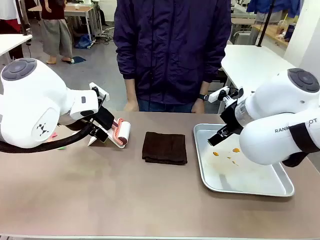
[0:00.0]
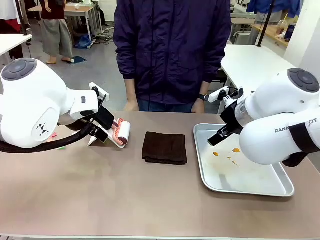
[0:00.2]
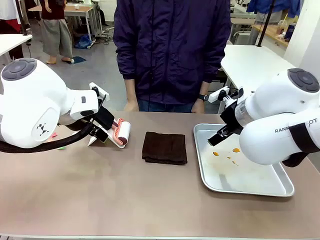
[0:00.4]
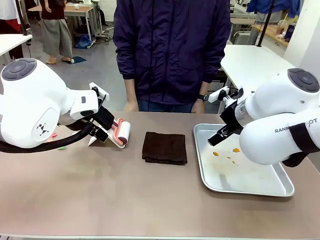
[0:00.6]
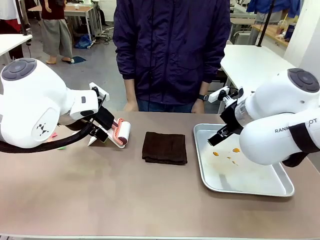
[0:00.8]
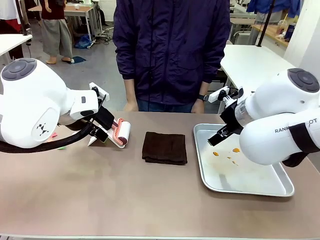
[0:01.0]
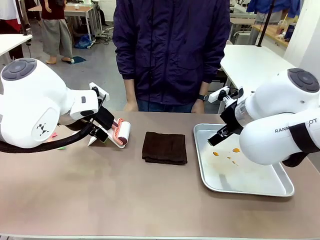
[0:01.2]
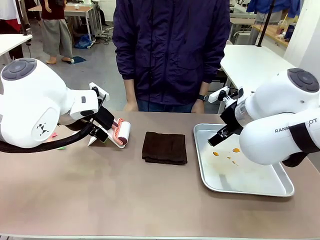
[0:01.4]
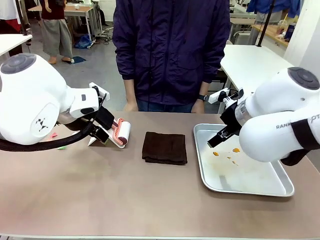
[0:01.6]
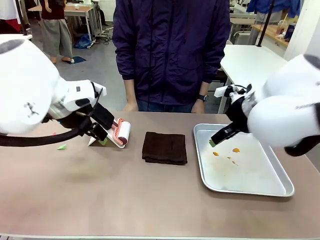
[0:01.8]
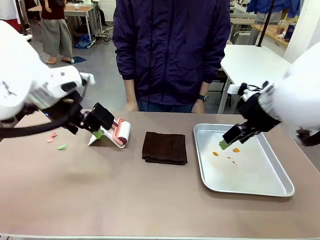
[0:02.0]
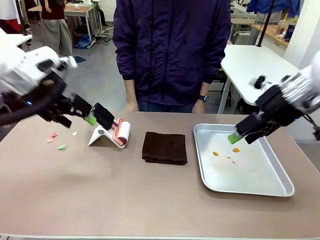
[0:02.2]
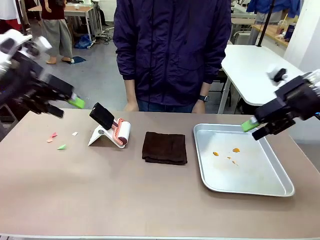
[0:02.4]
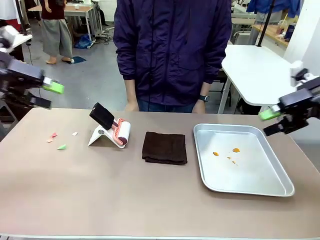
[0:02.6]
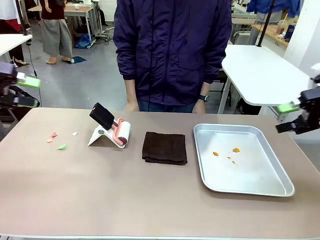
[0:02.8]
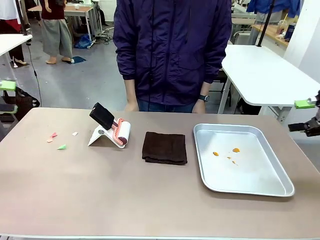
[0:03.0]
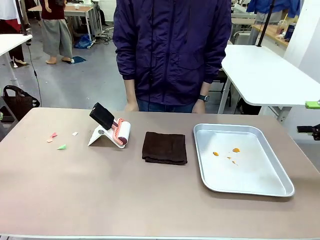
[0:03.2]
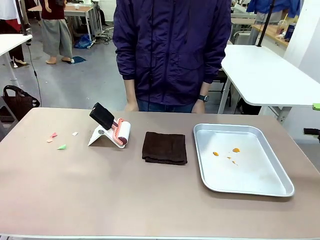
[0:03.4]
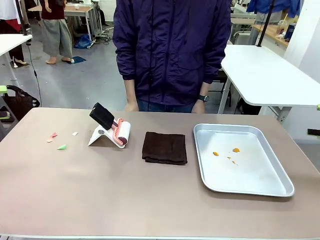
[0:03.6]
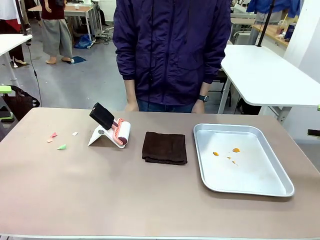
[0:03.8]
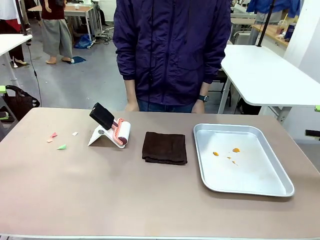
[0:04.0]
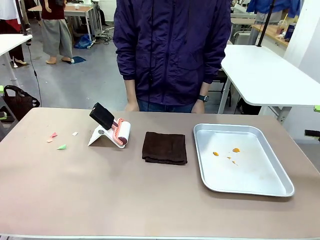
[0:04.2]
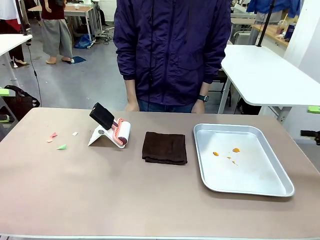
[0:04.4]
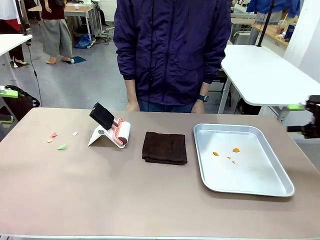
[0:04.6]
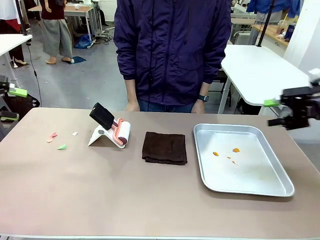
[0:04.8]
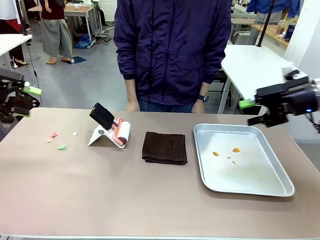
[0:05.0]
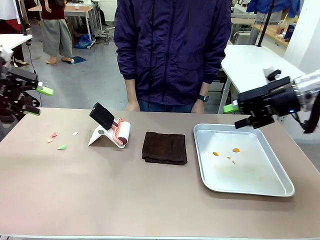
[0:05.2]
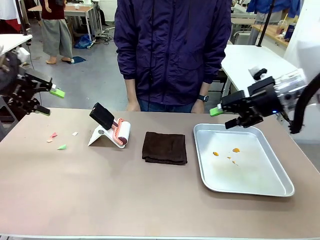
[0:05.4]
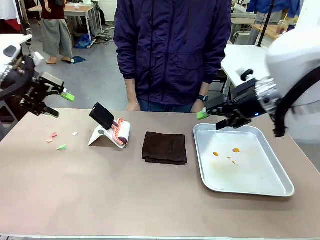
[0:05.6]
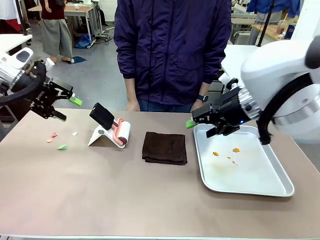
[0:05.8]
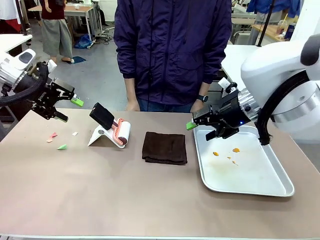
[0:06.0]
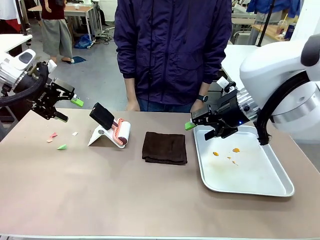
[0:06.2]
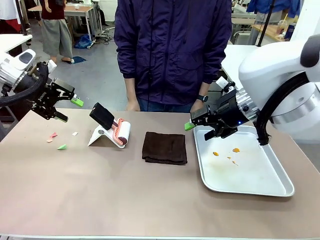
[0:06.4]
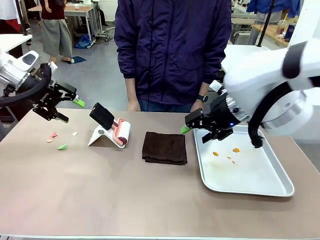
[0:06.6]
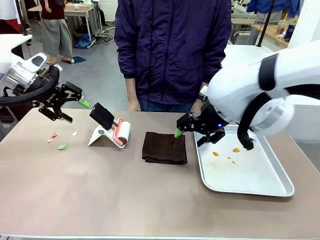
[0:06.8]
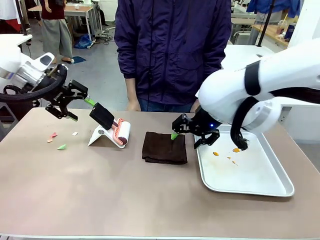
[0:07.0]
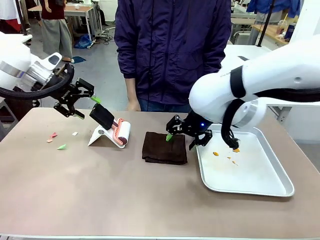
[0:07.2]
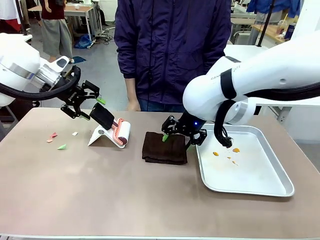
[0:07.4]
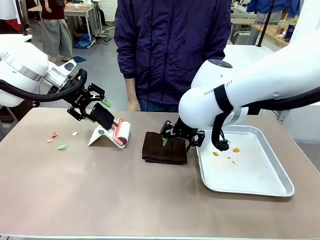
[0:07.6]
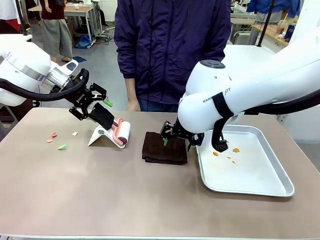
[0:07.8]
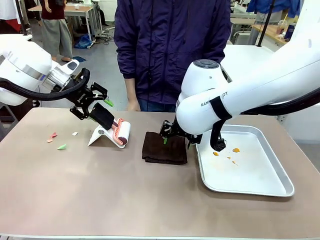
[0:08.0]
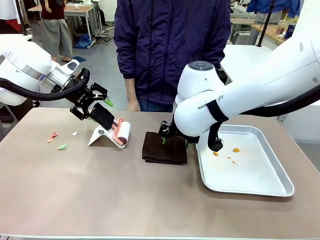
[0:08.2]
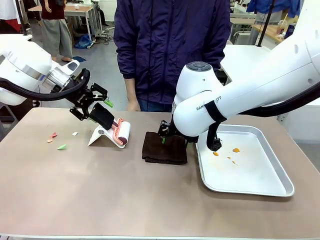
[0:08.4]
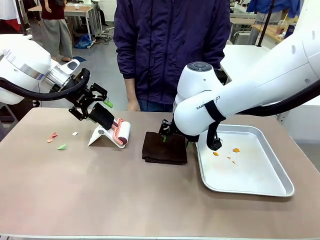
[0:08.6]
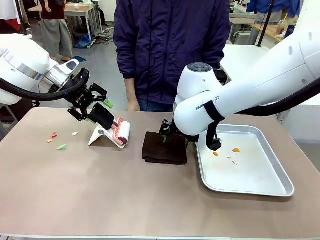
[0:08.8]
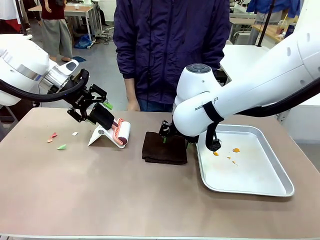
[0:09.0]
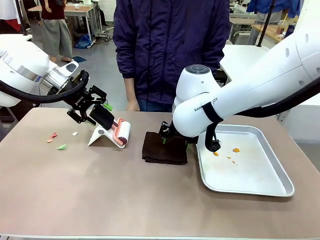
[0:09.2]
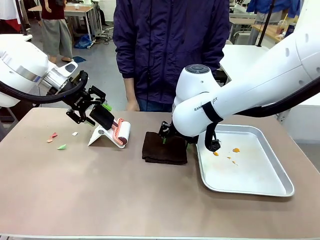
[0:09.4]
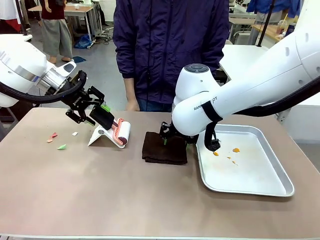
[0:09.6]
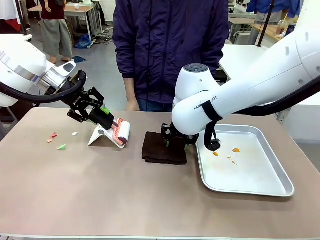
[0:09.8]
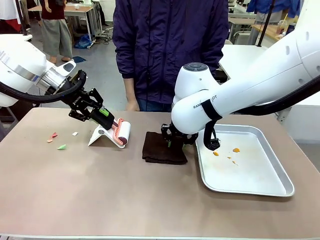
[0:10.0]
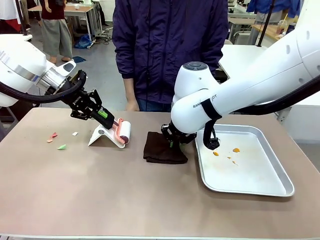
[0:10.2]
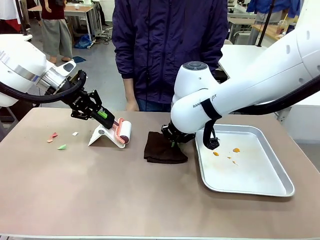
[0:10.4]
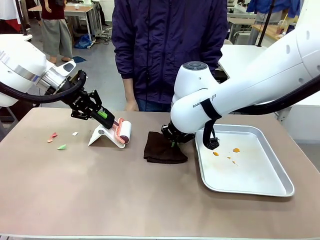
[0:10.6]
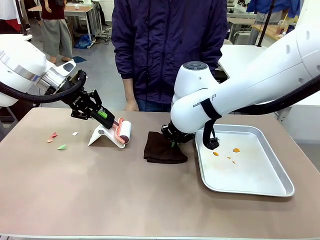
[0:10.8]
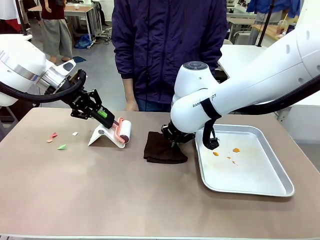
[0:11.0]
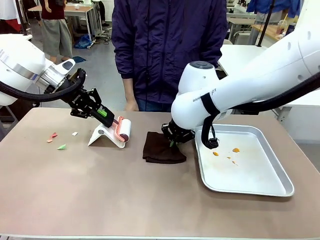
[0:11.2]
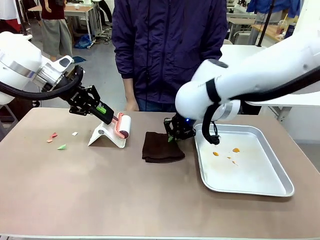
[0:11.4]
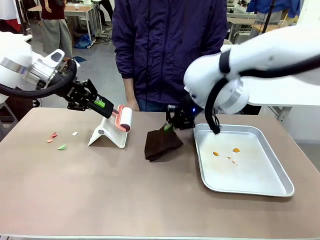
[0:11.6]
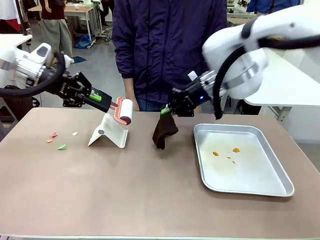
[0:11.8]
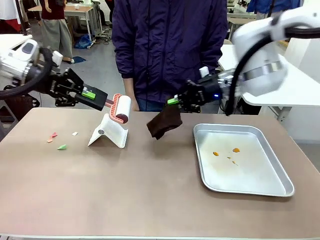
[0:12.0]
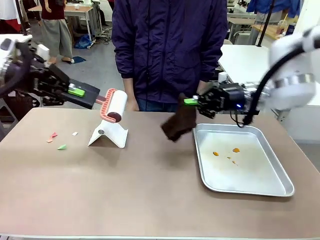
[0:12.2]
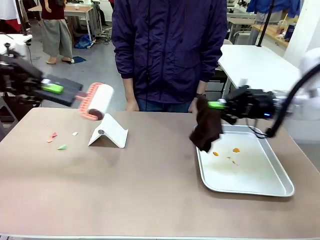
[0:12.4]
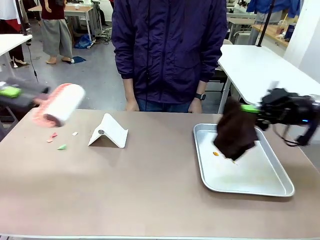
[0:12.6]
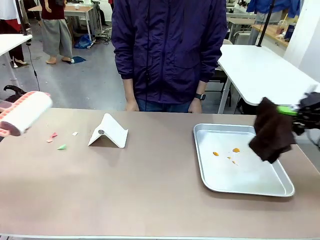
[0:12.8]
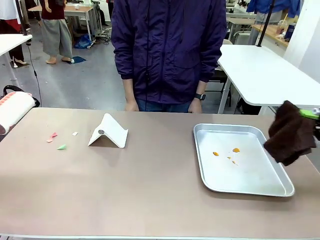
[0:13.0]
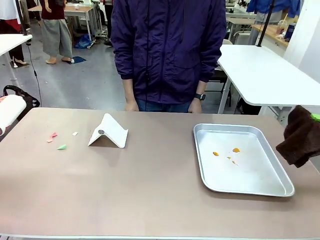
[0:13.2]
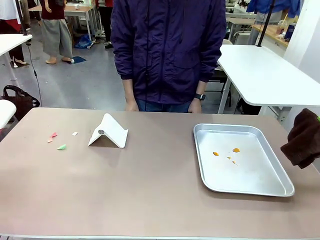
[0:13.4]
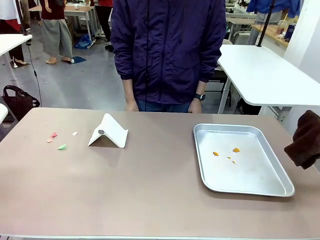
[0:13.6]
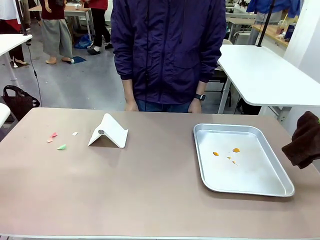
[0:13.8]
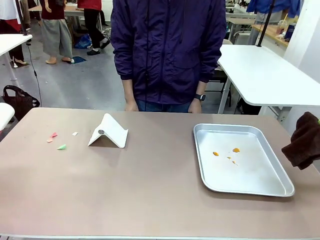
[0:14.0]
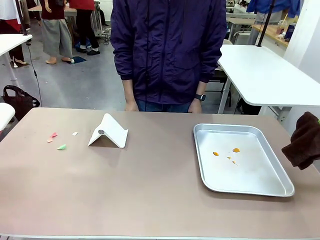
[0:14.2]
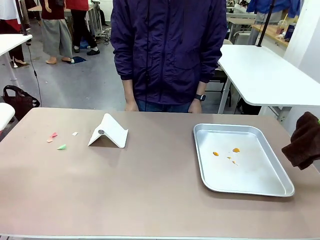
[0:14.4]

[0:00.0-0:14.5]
Task: Clean the surface of the table.
Robot: Hold the Lint Roller with your left hand and the towel with your right hand.
